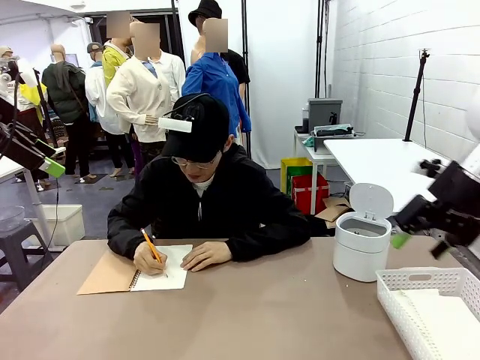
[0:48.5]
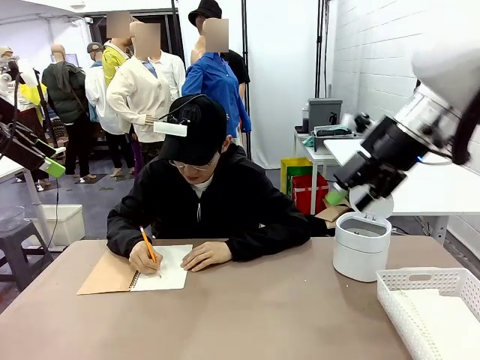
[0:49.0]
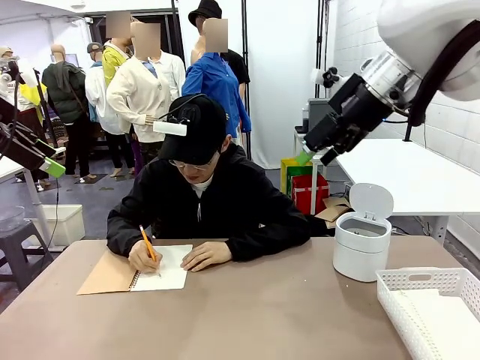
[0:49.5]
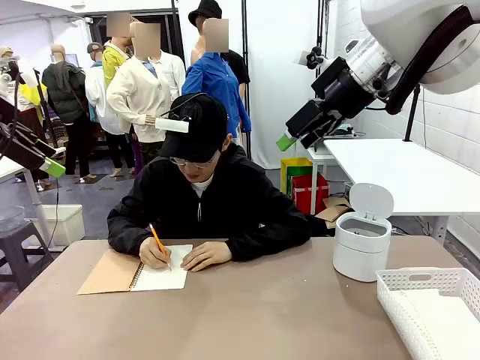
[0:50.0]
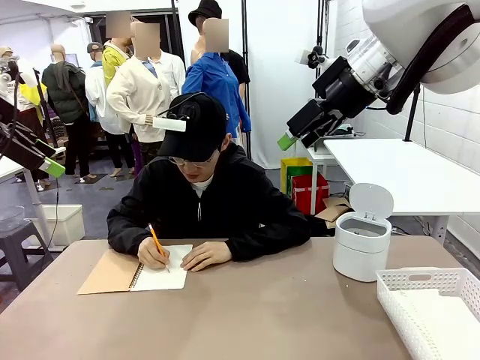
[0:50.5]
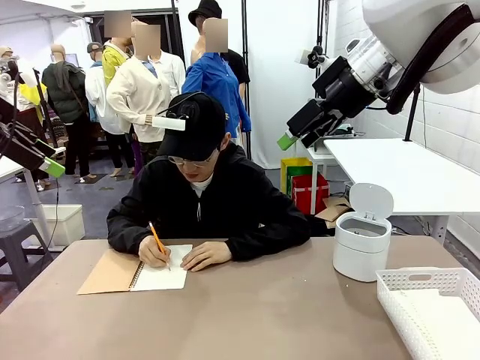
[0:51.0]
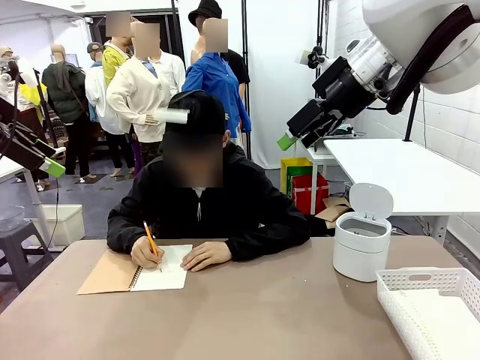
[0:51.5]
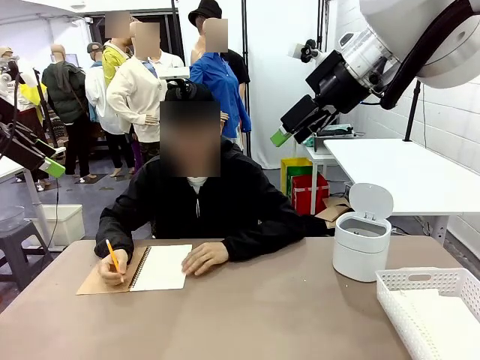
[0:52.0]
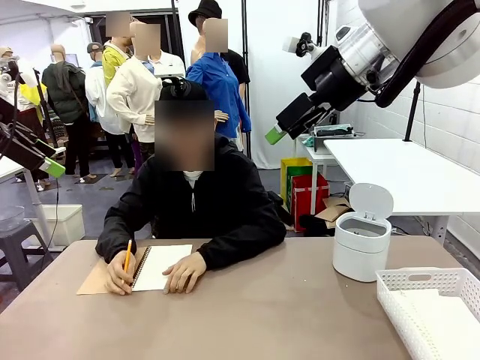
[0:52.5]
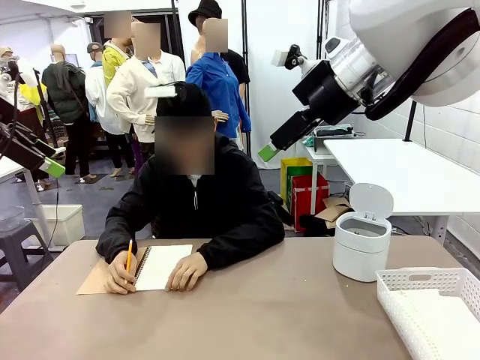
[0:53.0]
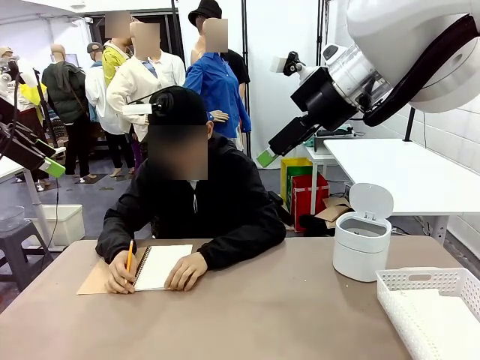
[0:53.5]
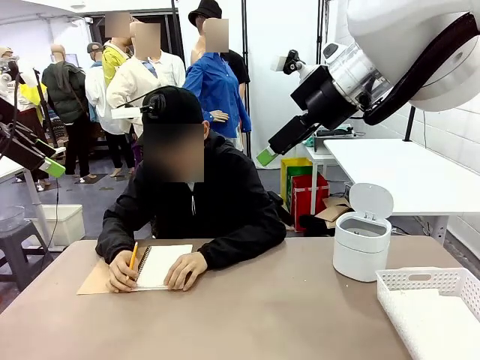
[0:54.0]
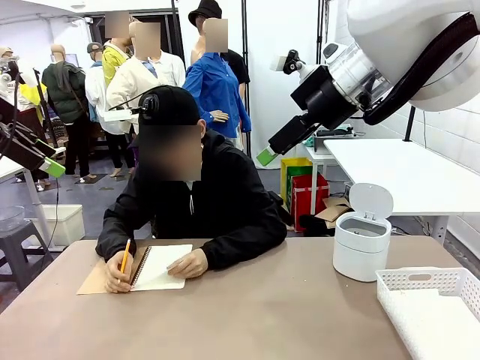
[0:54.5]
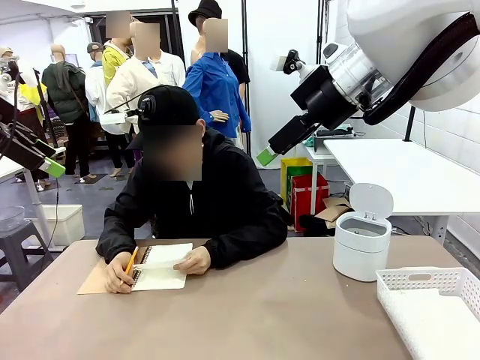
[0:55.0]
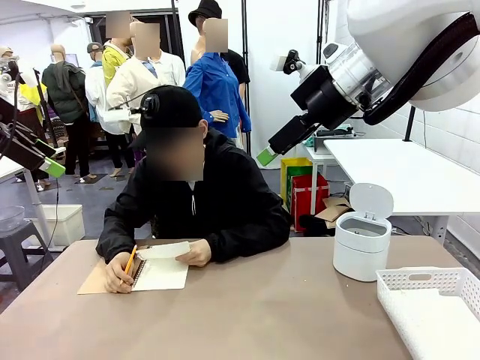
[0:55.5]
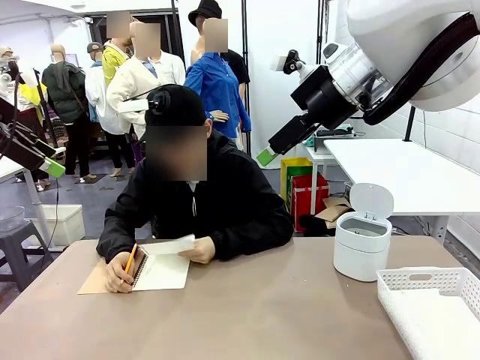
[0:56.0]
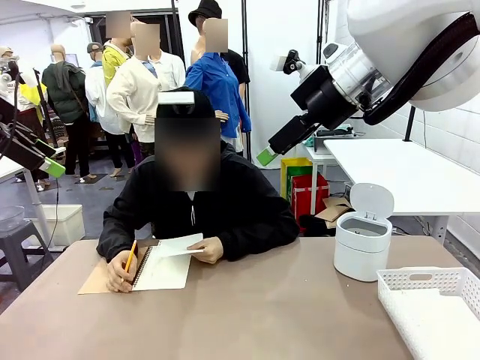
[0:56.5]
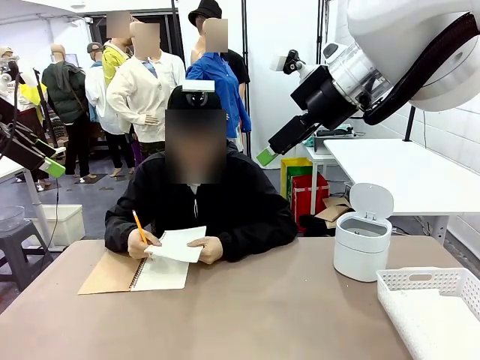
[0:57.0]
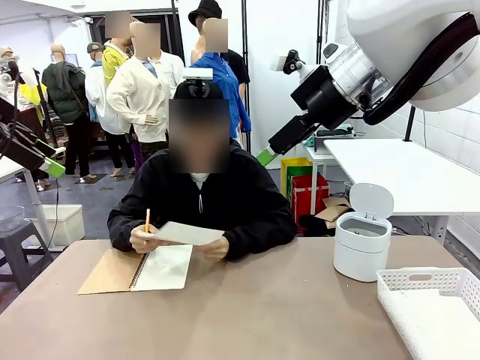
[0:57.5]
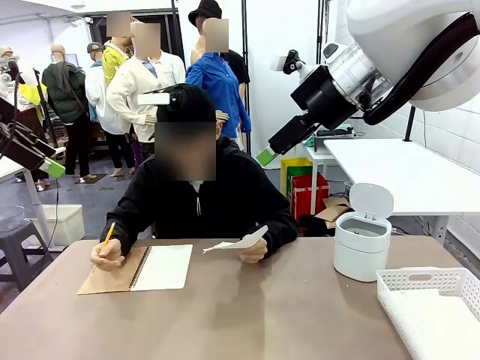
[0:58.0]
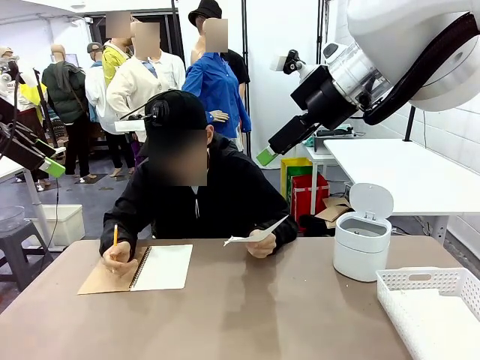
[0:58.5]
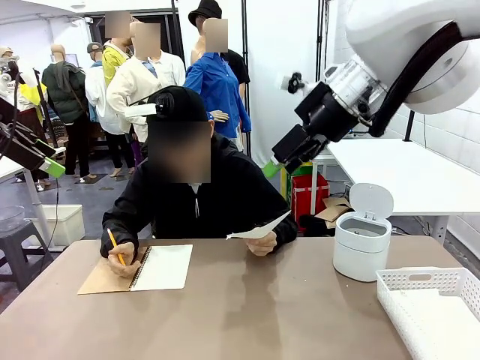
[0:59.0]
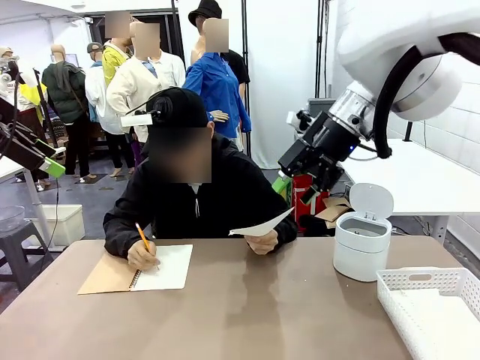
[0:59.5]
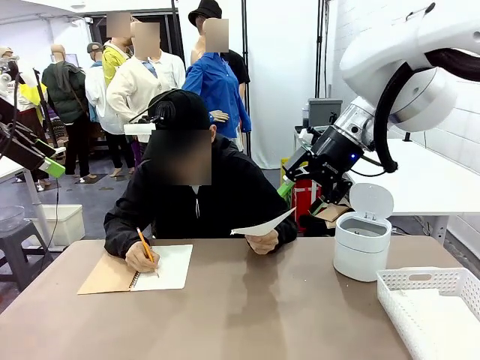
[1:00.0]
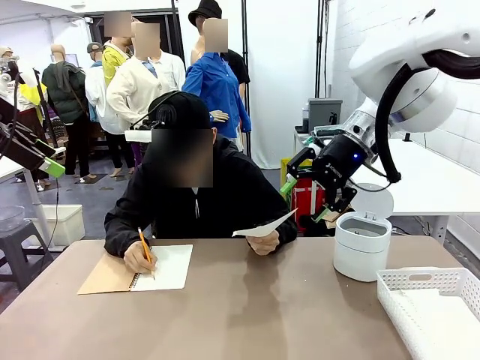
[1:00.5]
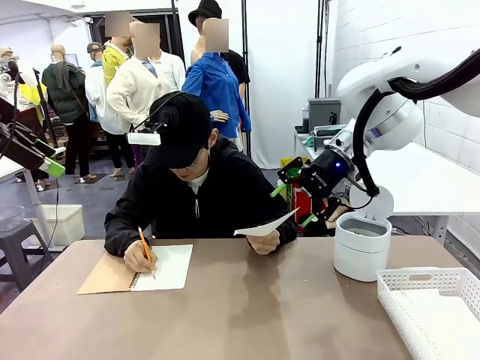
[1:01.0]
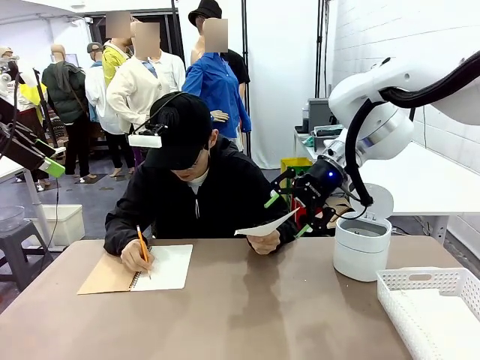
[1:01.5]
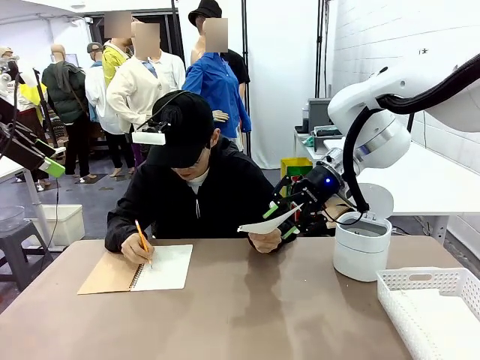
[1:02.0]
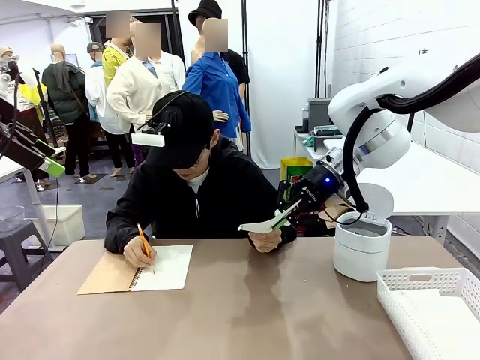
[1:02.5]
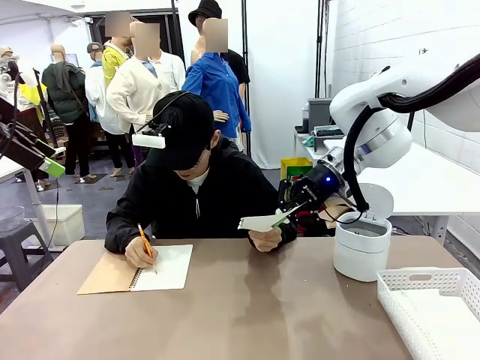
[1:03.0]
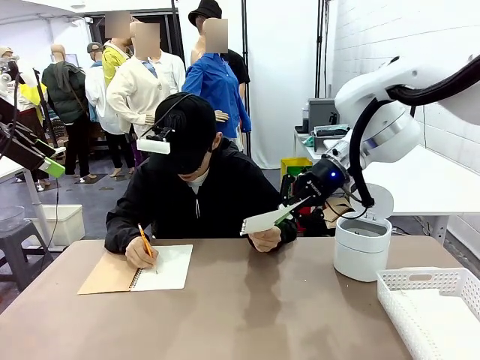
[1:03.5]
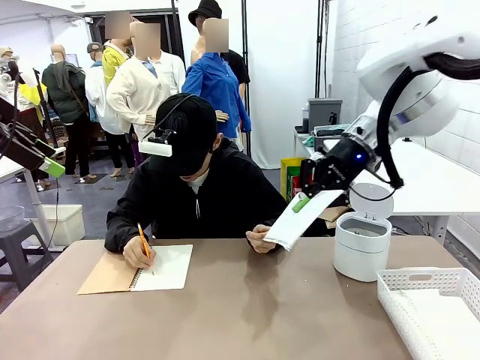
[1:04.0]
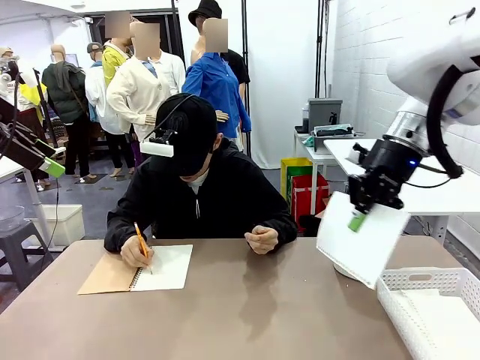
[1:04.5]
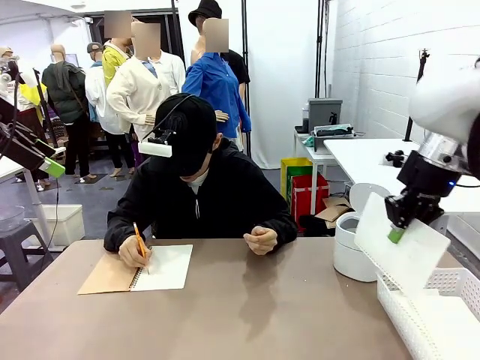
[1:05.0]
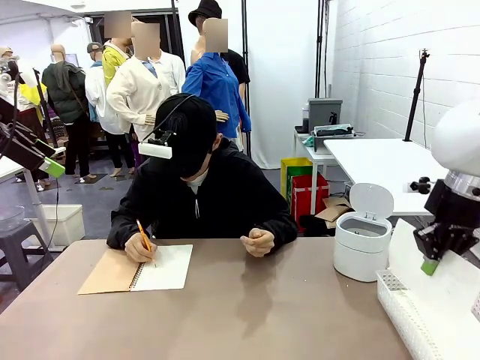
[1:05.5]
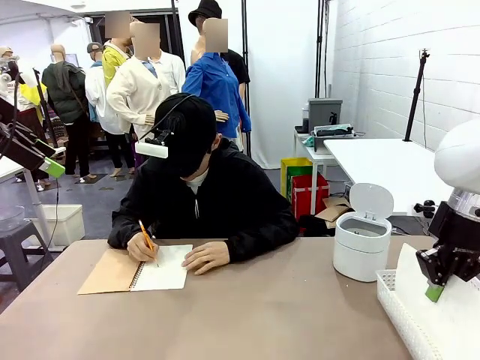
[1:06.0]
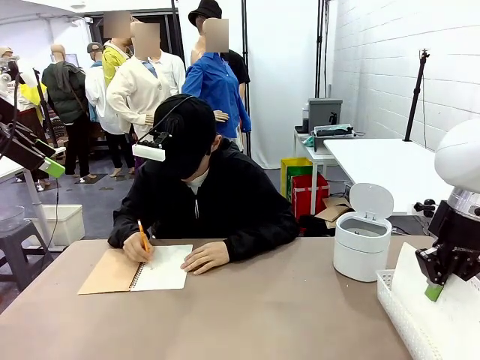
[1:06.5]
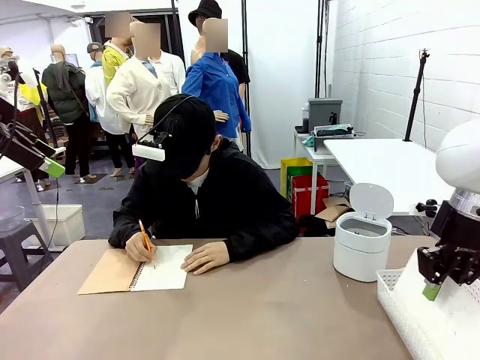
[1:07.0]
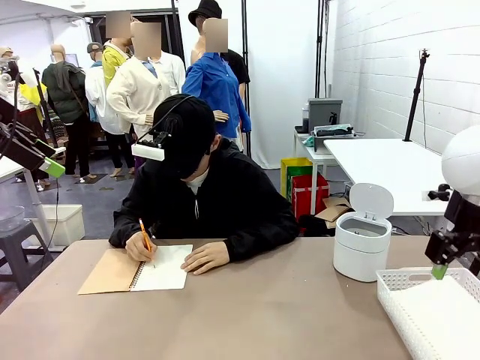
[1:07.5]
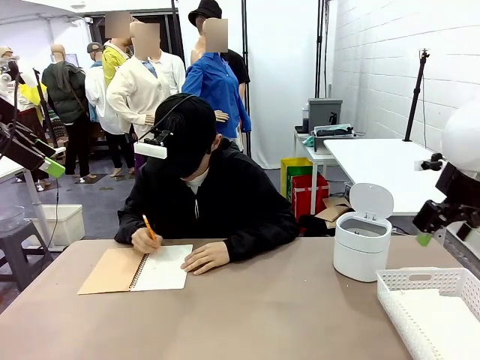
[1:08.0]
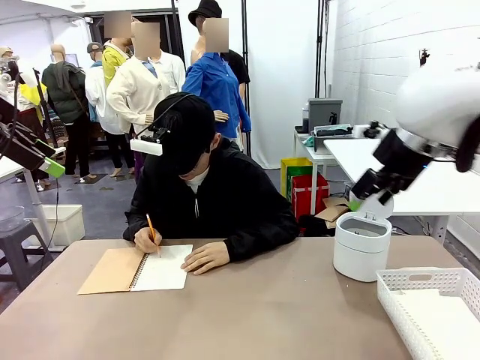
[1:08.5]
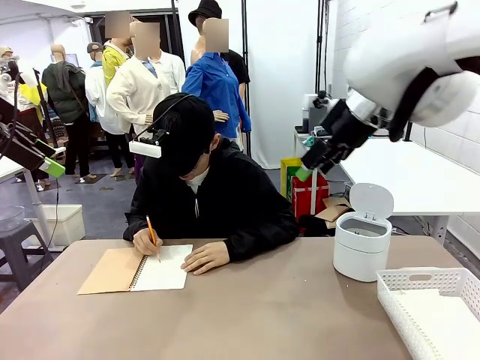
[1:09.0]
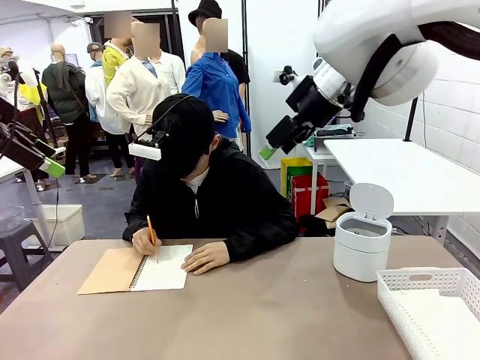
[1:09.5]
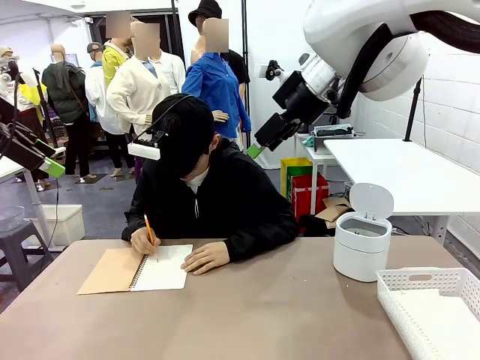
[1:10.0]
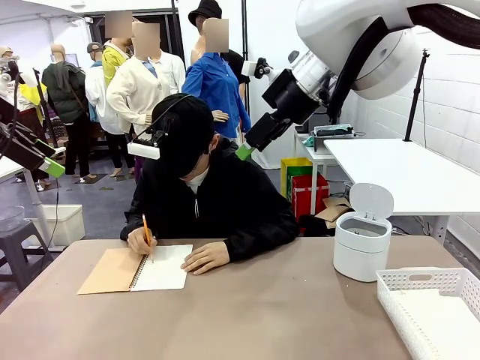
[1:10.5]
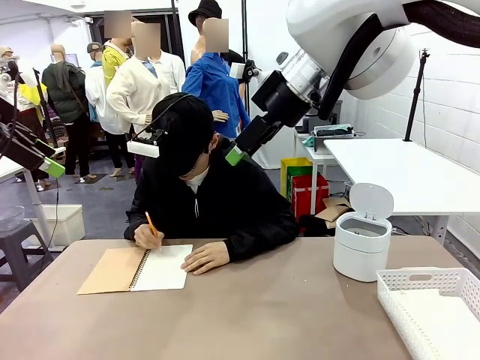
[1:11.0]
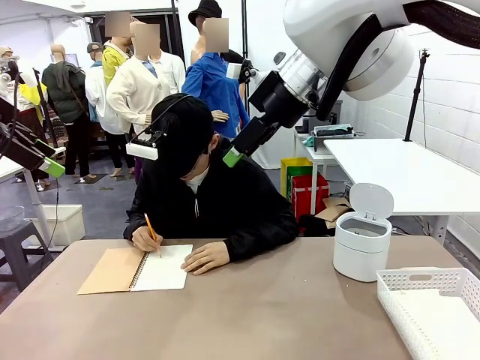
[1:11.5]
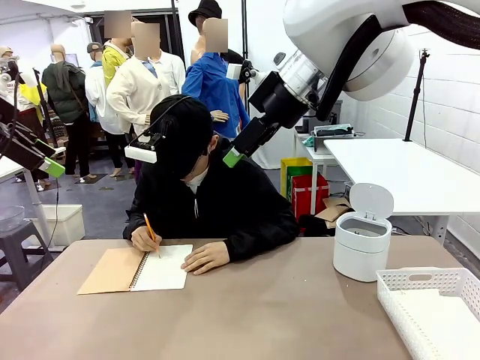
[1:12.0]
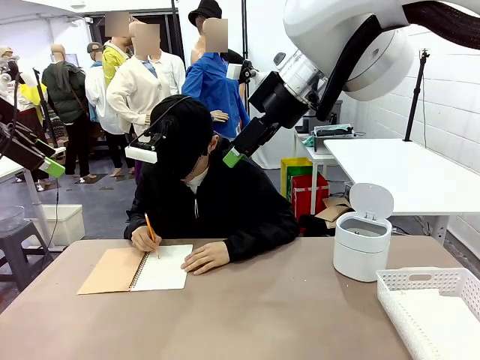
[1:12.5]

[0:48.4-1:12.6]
Task: Sort the paper based on its condition.
Robot: If a person hands you a paper, place it in the Organizing basket , and if it's crumpled, put it in the Trash can.
Person: Hand the torn page to the robot or crumple it and throw it to the center of the table.
